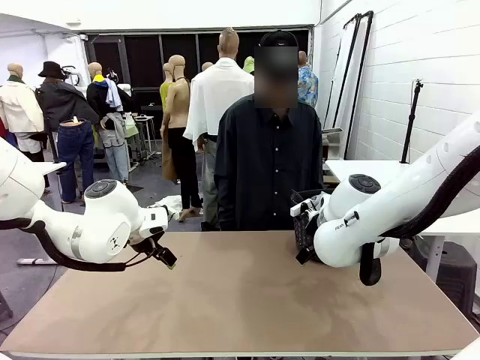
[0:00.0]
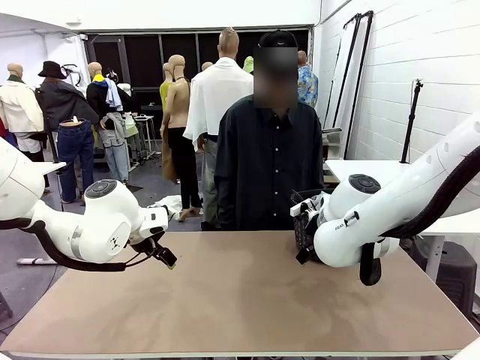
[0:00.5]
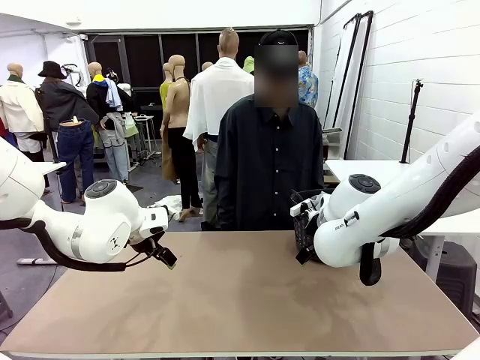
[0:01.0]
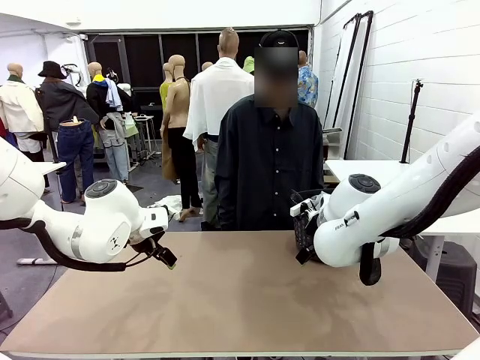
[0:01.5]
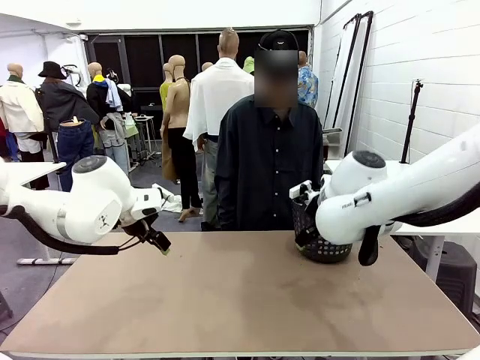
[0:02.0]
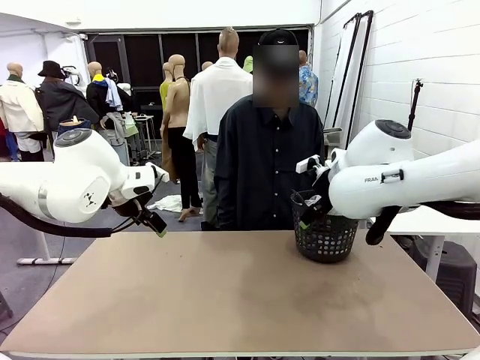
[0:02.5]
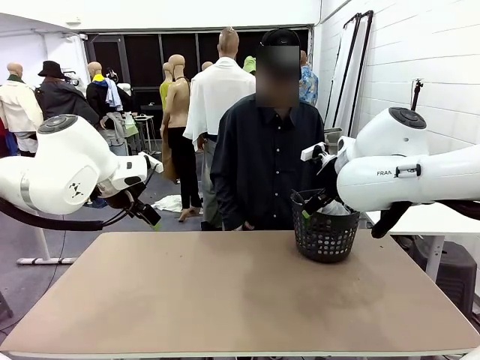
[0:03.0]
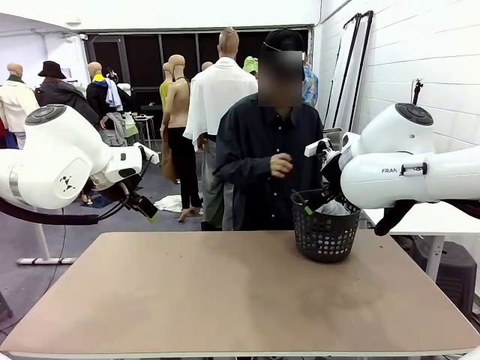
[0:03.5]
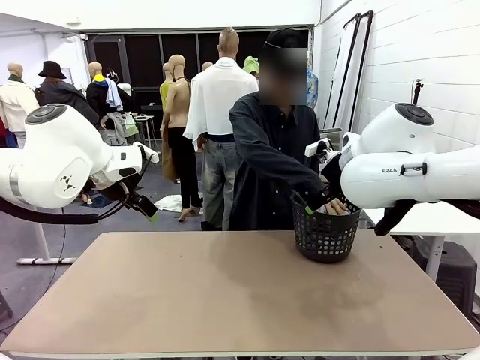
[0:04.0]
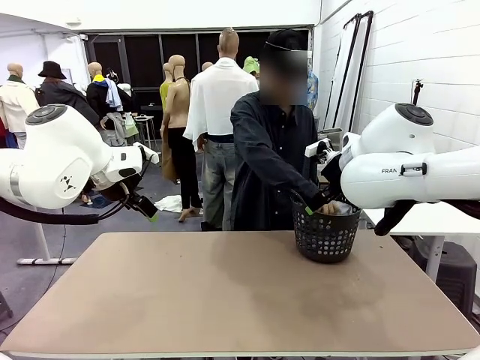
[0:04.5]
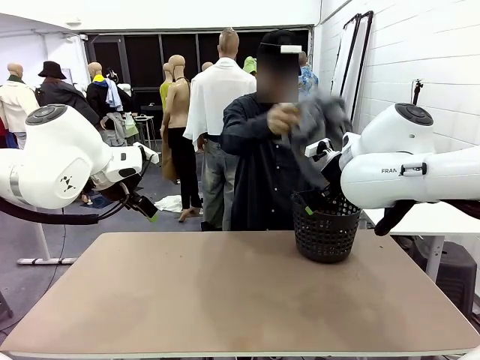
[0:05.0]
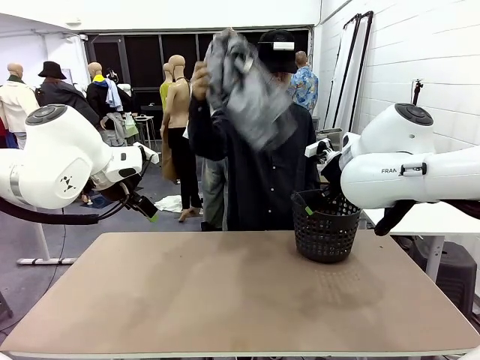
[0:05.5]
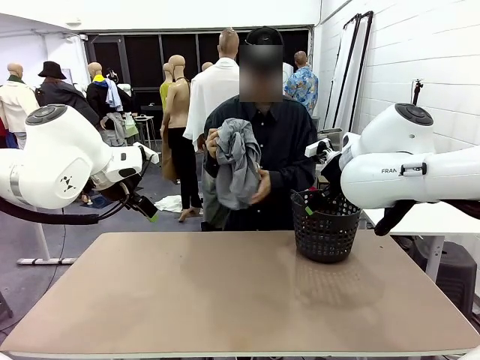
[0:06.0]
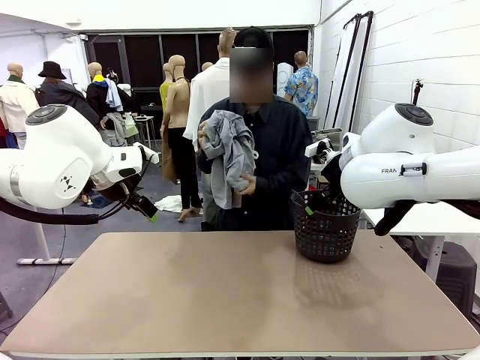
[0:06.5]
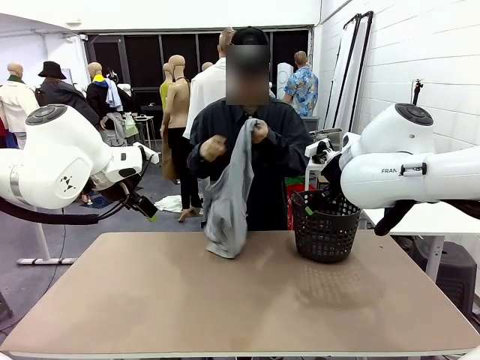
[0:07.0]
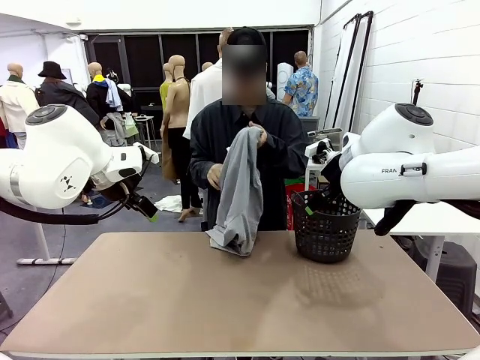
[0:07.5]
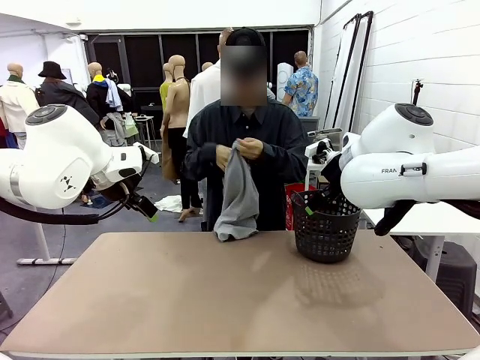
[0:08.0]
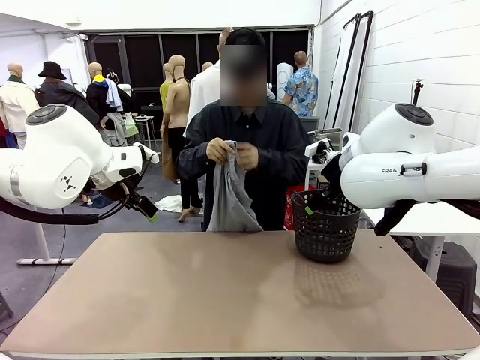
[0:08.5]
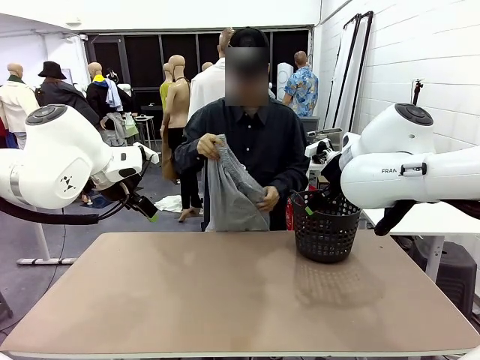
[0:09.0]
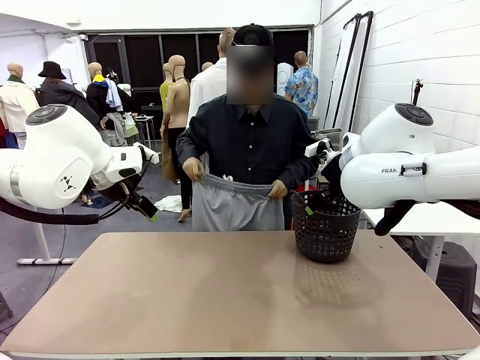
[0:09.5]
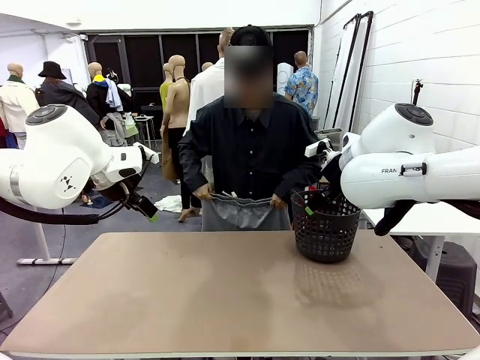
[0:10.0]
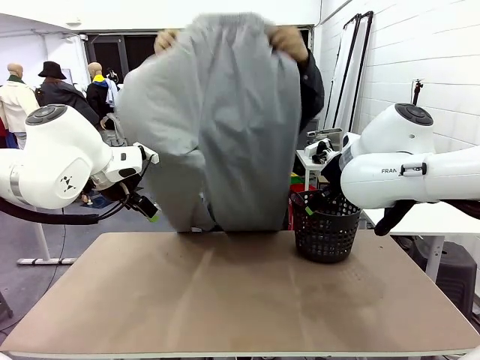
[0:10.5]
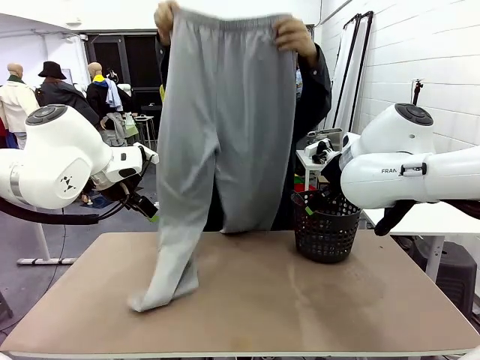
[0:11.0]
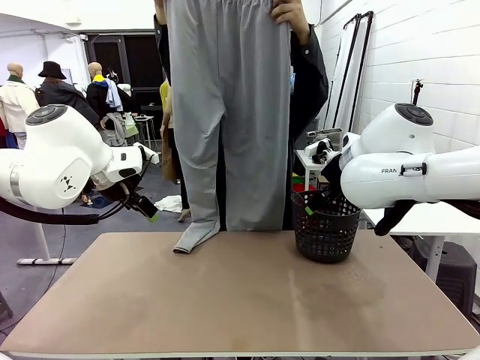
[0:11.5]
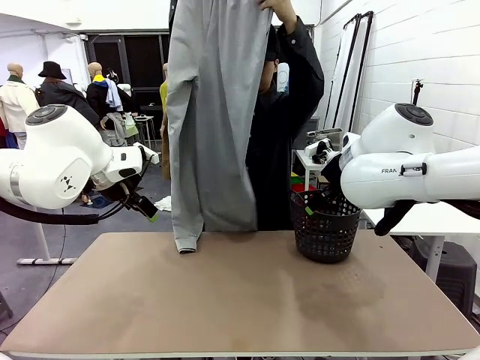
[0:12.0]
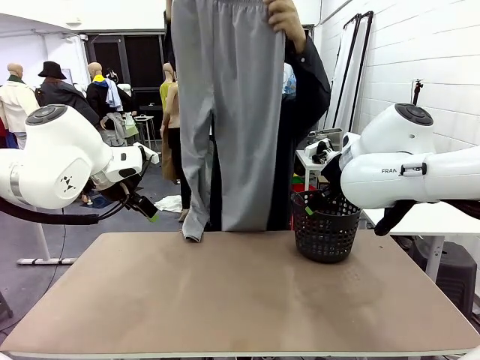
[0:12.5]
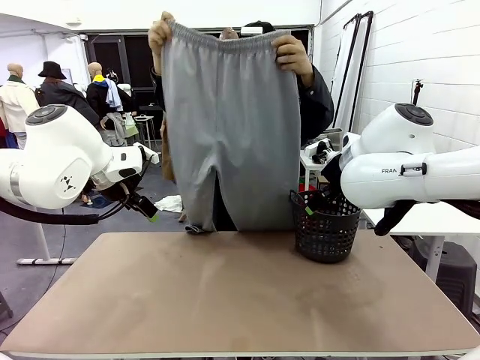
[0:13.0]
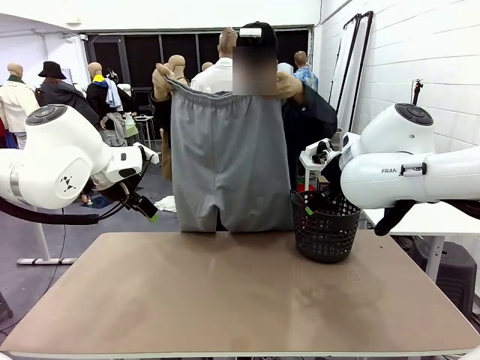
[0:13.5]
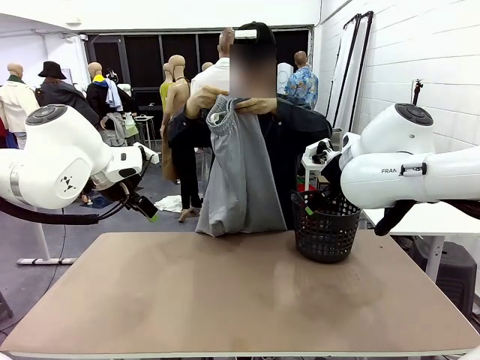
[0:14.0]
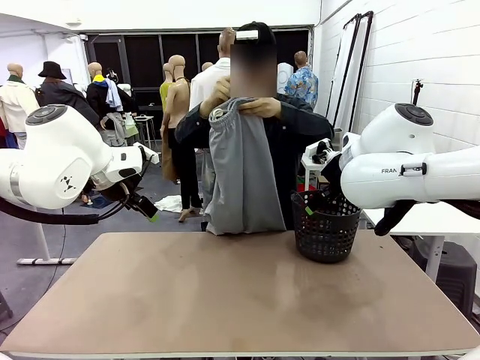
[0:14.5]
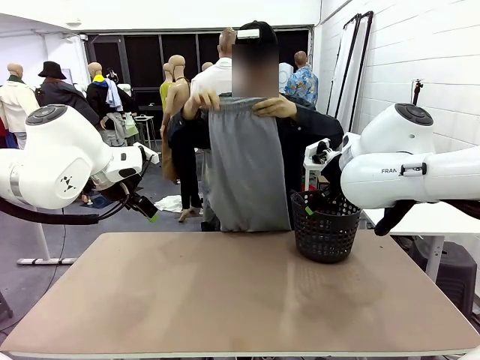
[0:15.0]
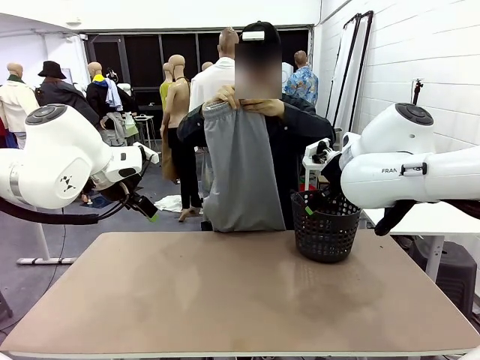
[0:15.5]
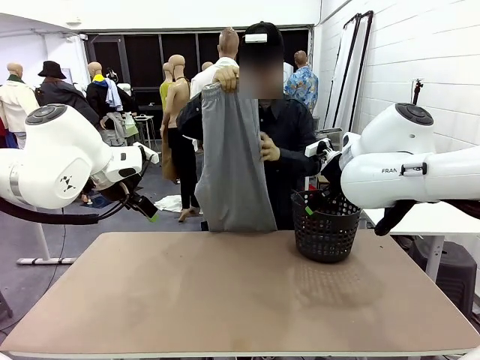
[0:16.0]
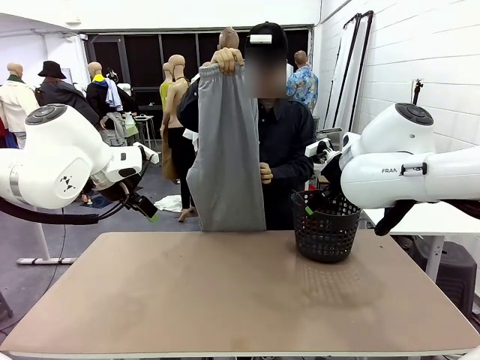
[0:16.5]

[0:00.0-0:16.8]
Task: Fold the training pants.
Robot: Grab both ends of the Training pants handed by a person.
Person: Take the long pants out of the laundry basket, unfold them, fold the waist in half, and extend them so the robot can pick up both corners.

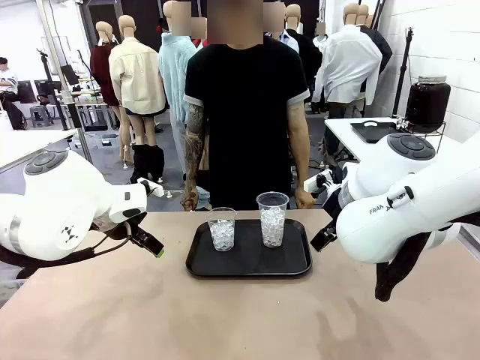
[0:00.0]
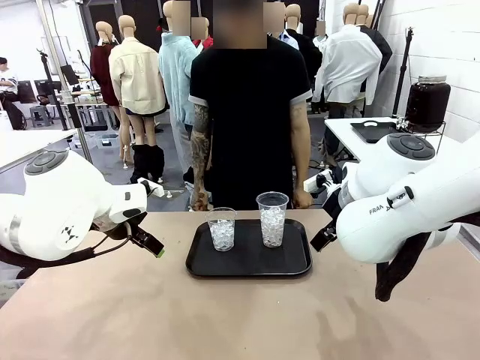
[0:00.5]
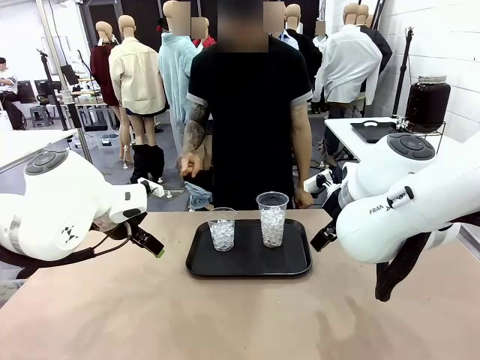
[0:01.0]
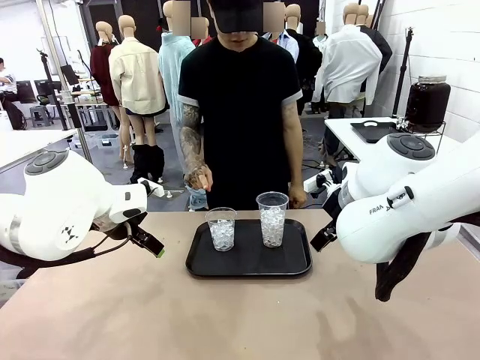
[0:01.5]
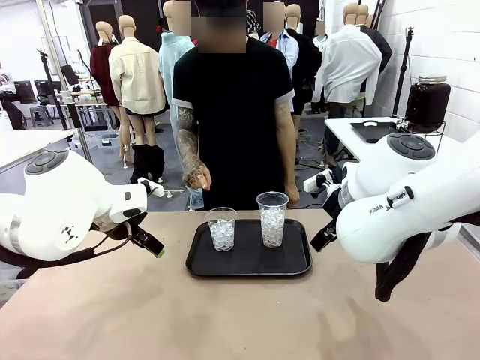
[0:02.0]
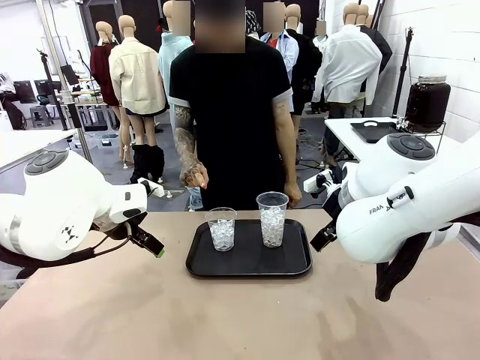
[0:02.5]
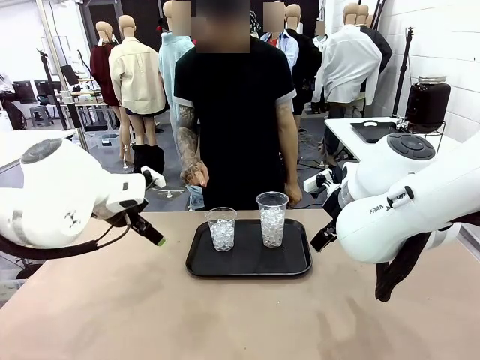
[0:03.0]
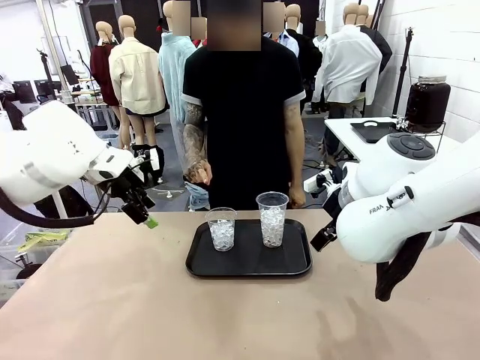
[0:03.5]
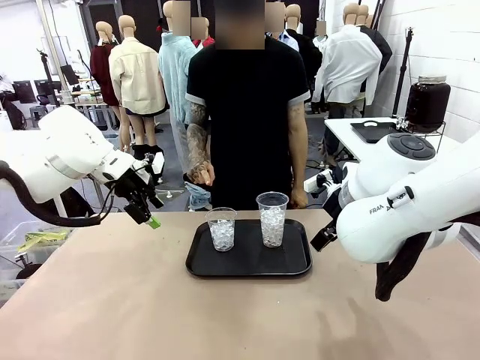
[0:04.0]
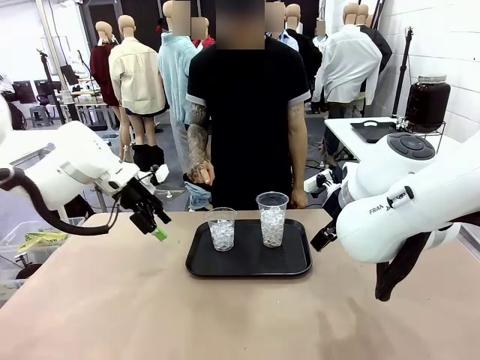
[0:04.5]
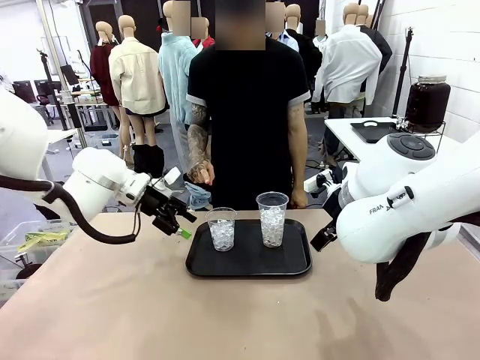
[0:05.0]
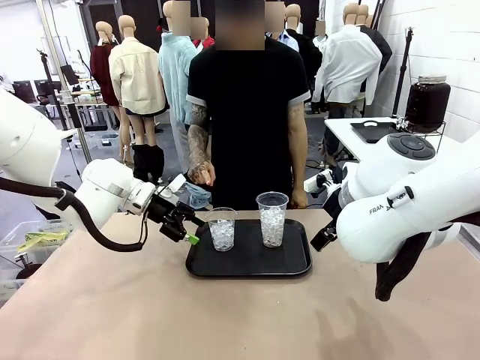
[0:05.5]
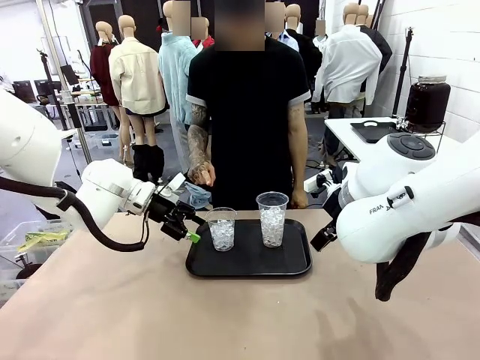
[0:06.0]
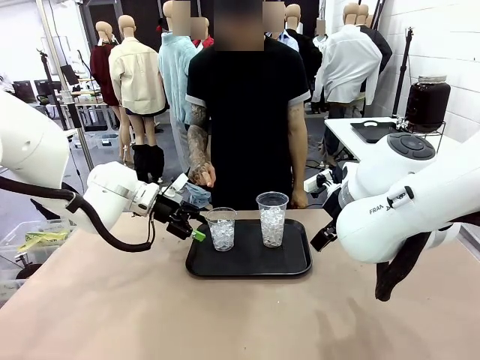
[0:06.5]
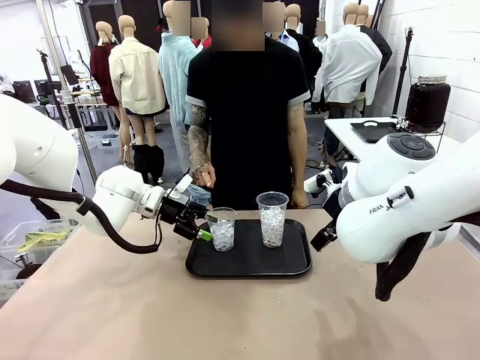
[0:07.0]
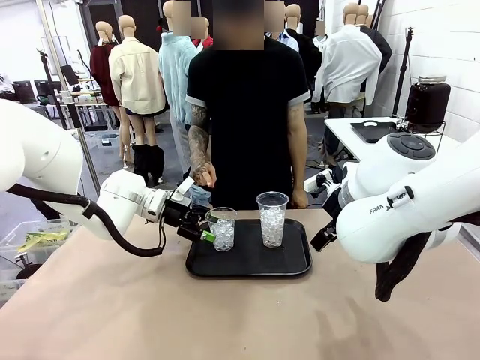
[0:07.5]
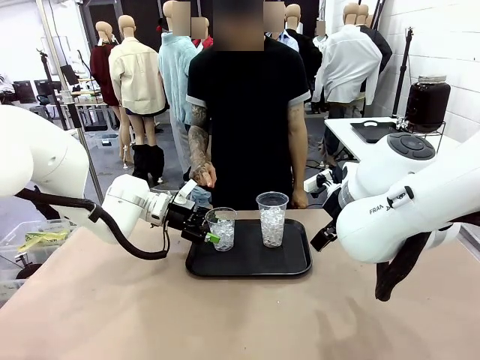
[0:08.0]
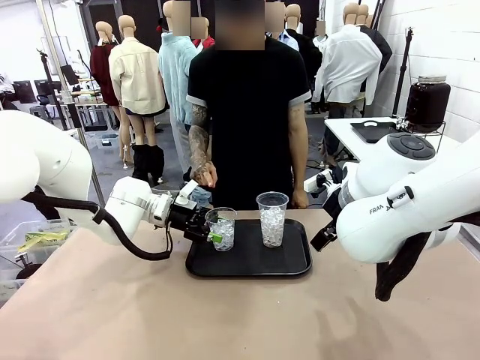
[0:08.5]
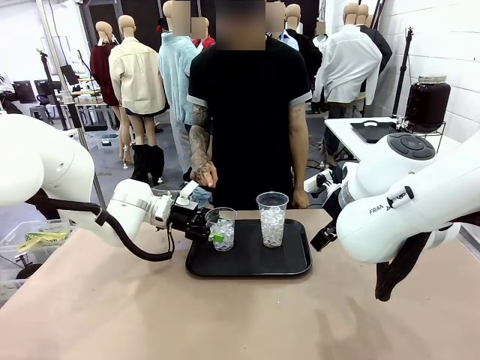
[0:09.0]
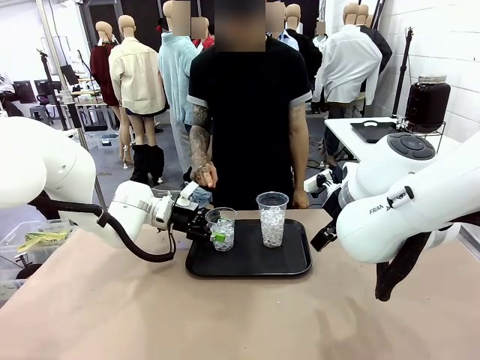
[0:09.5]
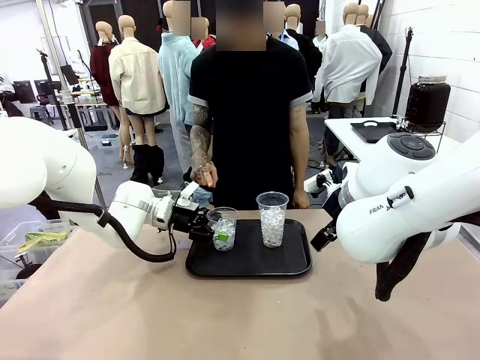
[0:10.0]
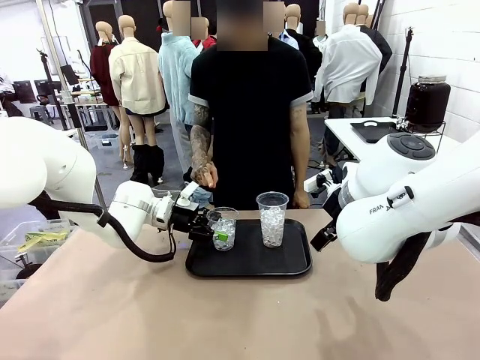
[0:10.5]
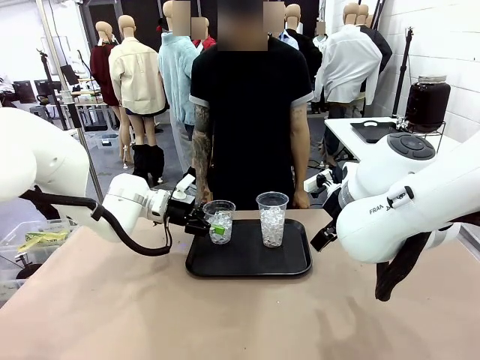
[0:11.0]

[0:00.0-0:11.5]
Task: Pour the drink into the iced cup.
Robot: Pick up the iced cup indicated by the human and present it to them.
Person: Point to one of the two ice cups. Pick up the cup offered by the robot.
